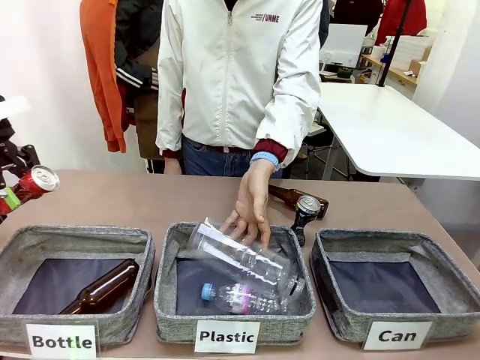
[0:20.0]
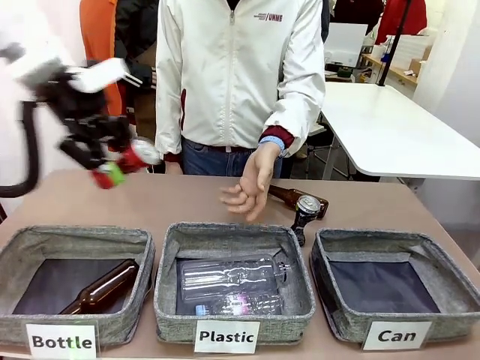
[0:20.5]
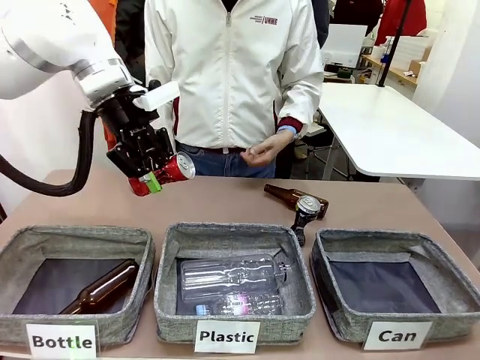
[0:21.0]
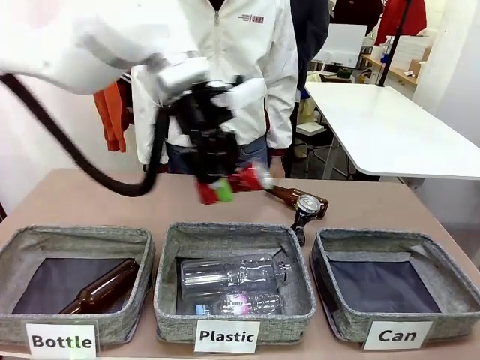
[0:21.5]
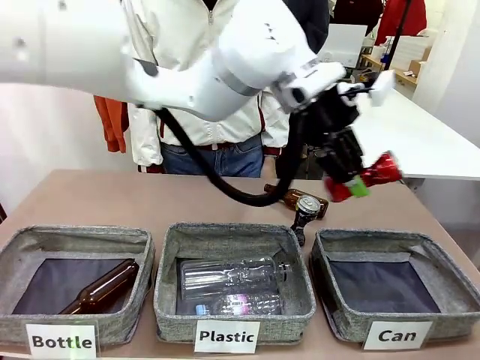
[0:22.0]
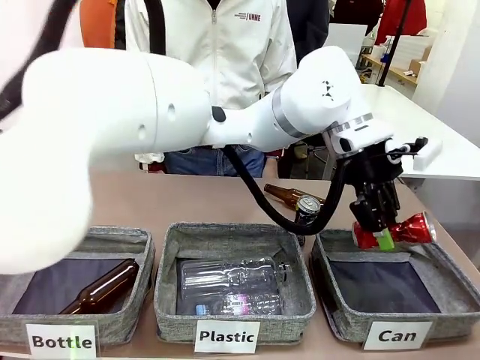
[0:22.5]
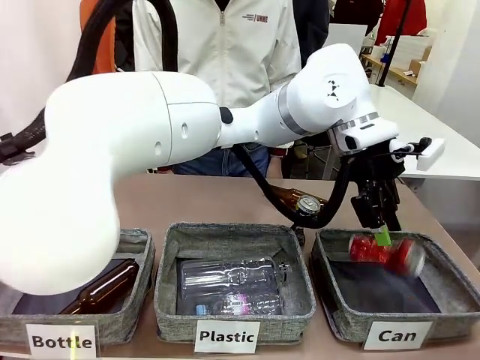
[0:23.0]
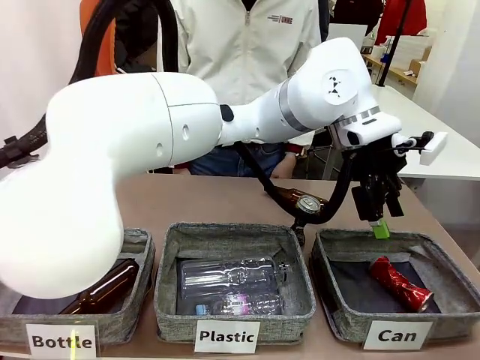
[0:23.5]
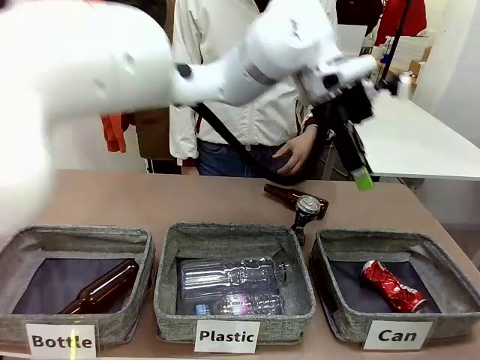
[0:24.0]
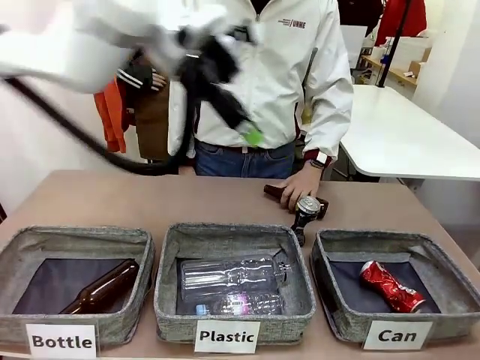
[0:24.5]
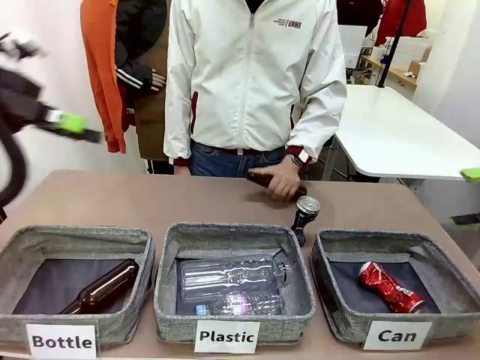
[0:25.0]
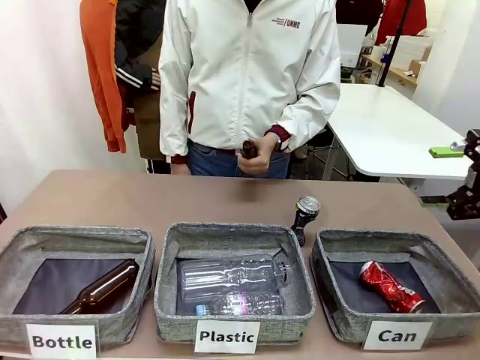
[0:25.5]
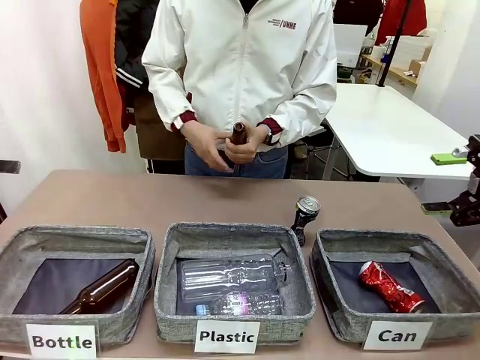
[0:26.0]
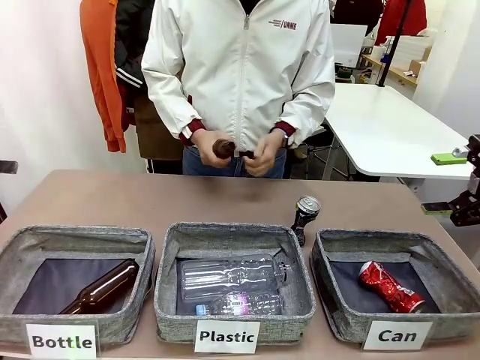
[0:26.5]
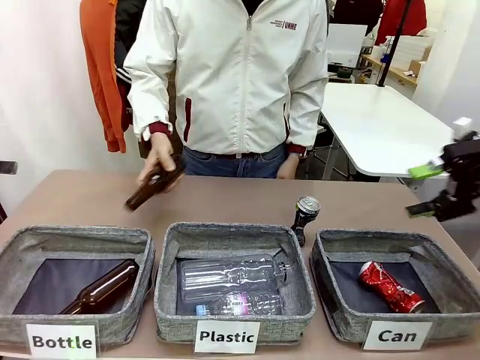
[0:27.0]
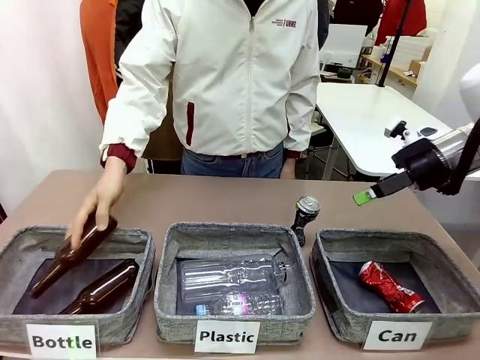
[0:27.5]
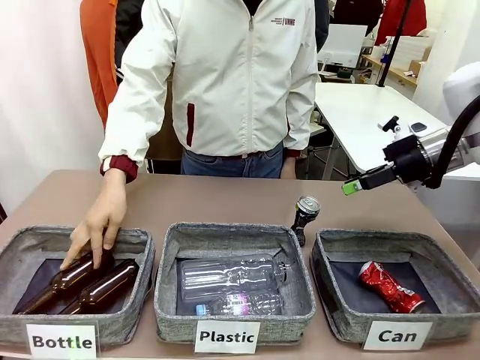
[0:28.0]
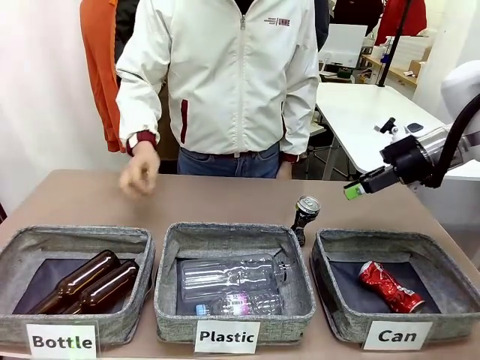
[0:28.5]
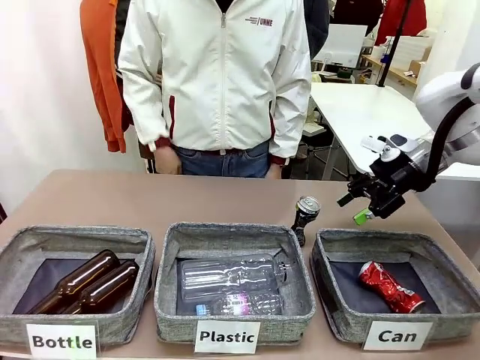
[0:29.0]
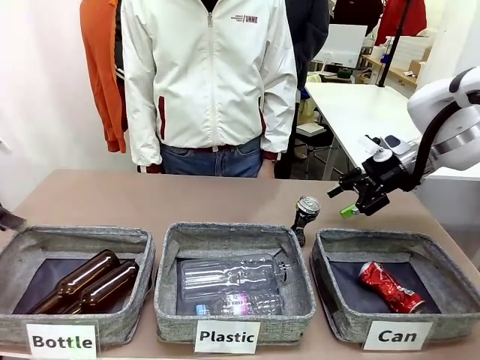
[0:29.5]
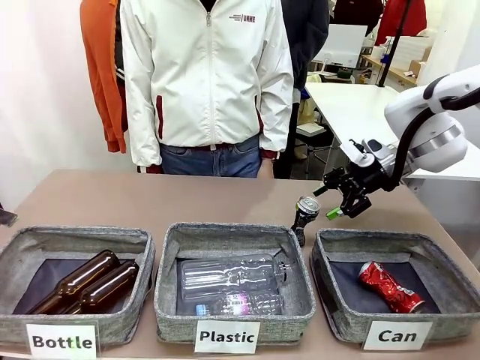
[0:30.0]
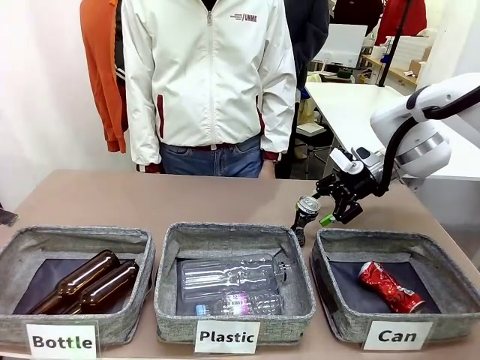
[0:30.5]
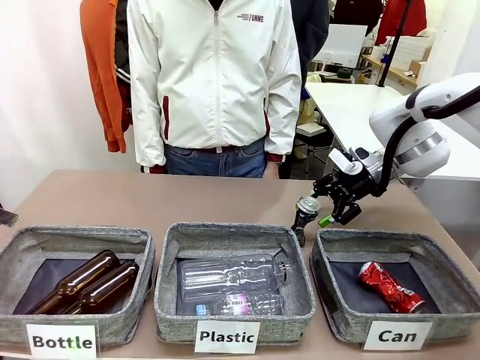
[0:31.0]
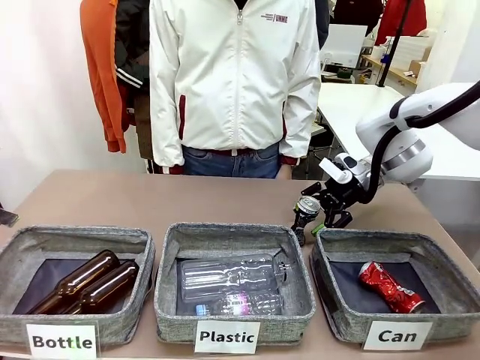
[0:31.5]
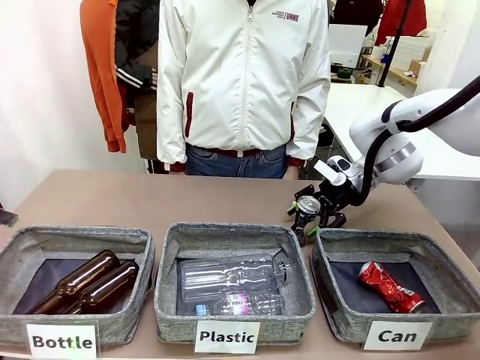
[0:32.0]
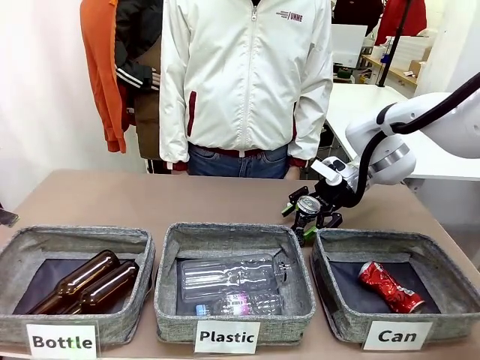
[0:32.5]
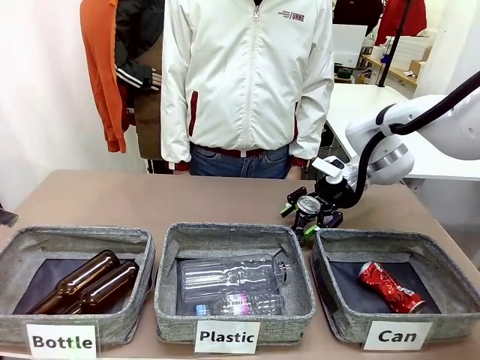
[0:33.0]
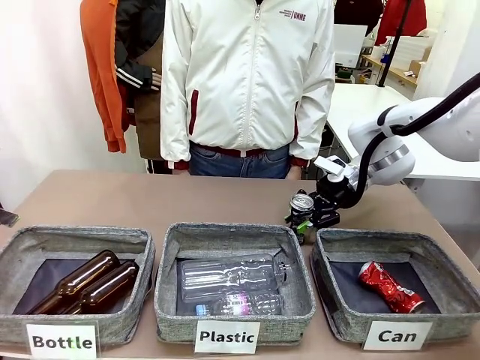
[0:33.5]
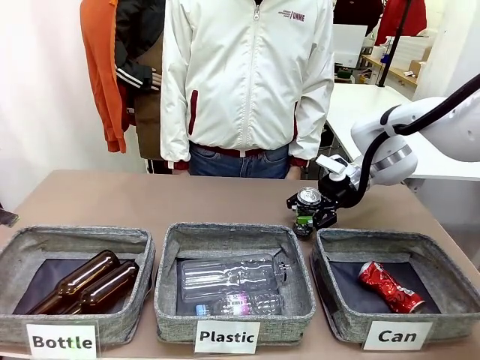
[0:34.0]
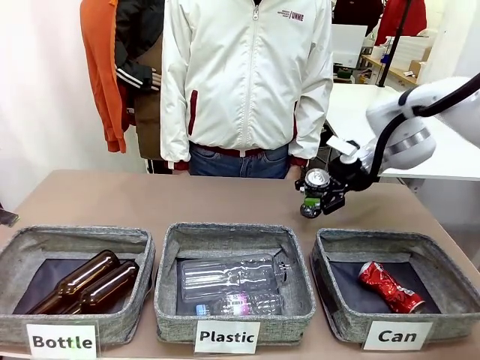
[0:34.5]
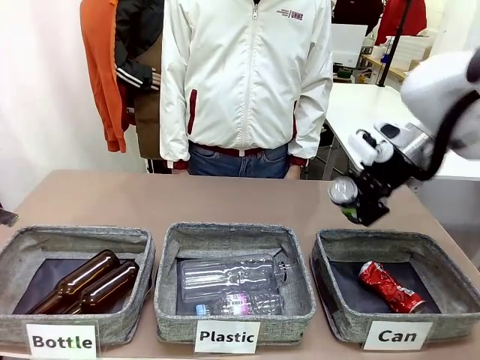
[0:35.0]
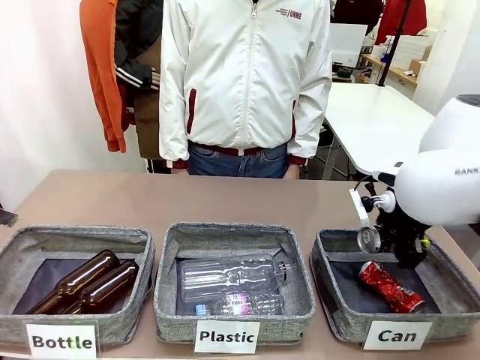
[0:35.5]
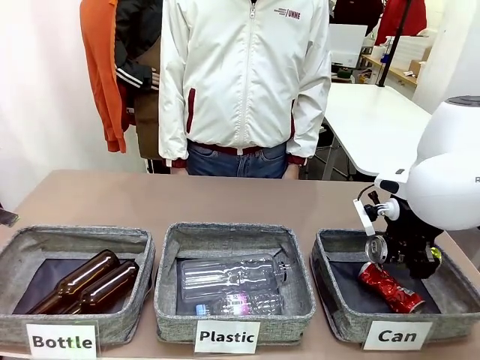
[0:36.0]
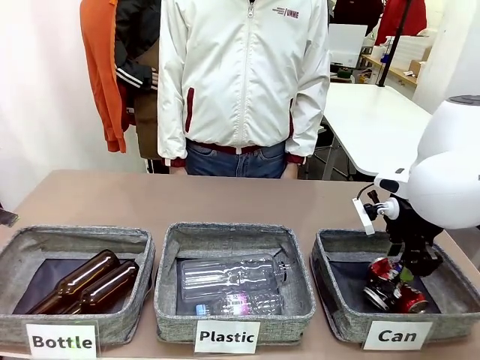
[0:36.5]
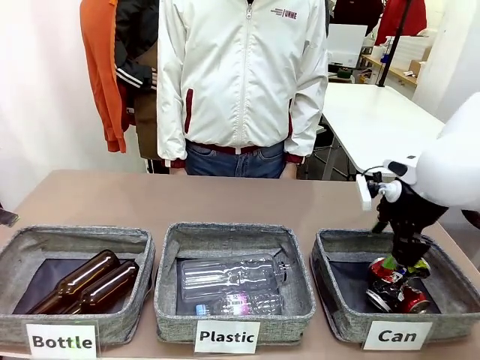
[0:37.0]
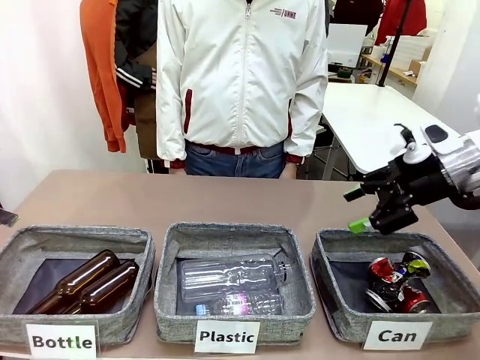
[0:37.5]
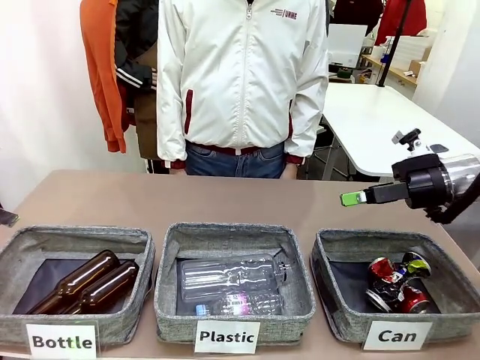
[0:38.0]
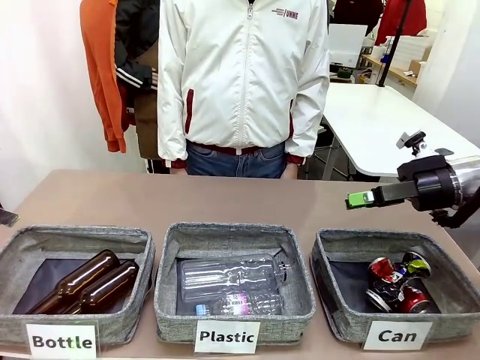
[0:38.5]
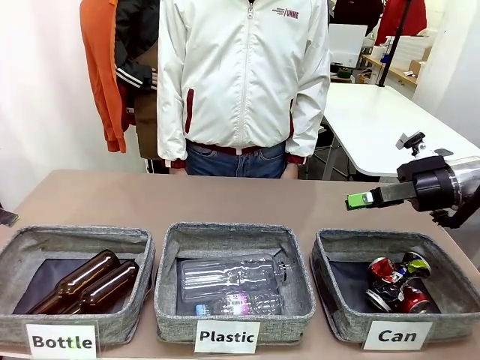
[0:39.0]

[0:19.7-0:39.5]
Task: Sort the can waste into the basket.
Robot: Pick up the can waste from the table and place it in the right Fabric basket.
Person: The human picks up one piece of trash that is not a can and places the trash into the appropriate organizing basket.
